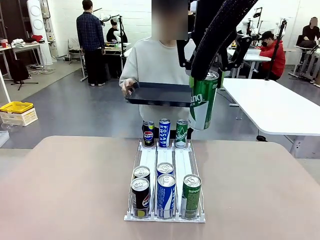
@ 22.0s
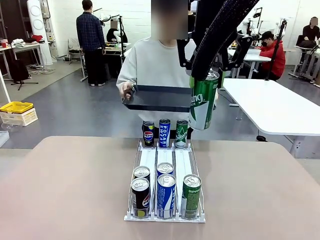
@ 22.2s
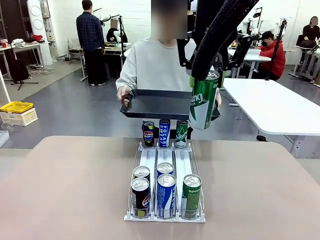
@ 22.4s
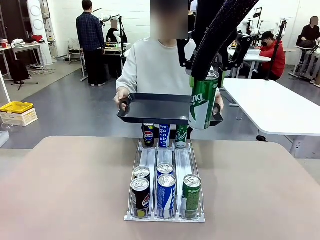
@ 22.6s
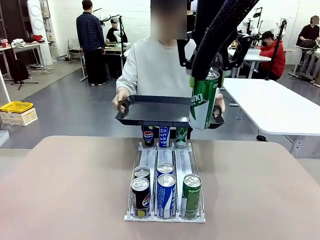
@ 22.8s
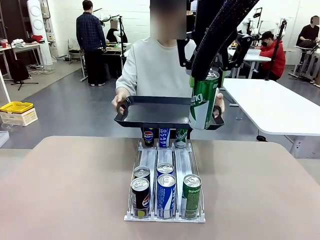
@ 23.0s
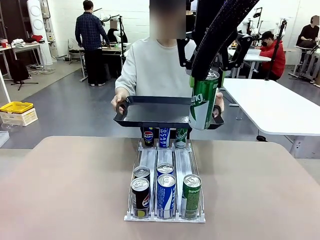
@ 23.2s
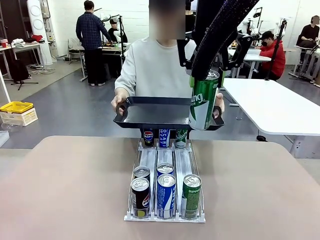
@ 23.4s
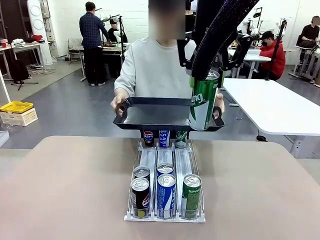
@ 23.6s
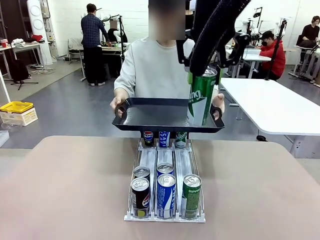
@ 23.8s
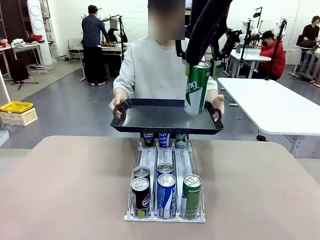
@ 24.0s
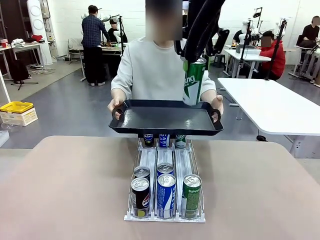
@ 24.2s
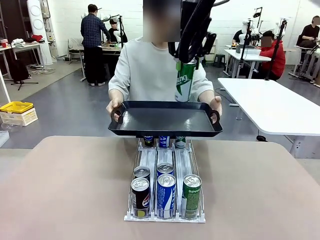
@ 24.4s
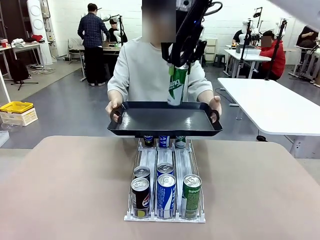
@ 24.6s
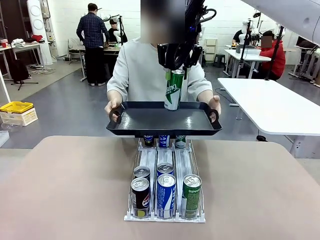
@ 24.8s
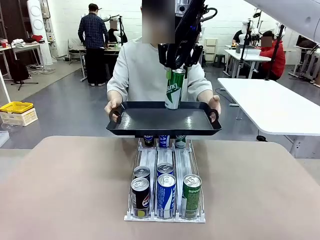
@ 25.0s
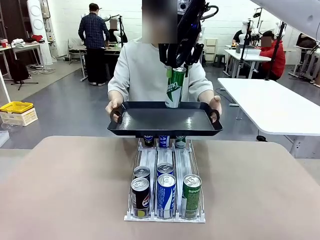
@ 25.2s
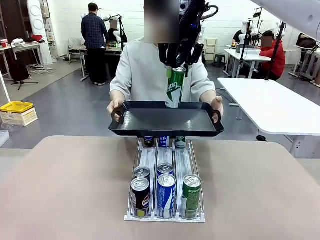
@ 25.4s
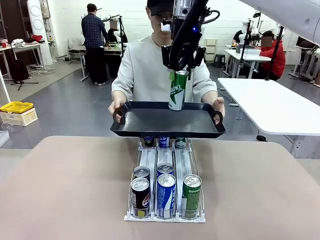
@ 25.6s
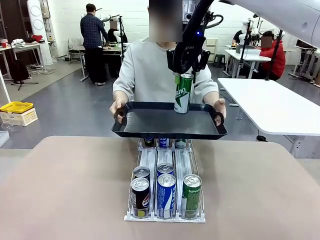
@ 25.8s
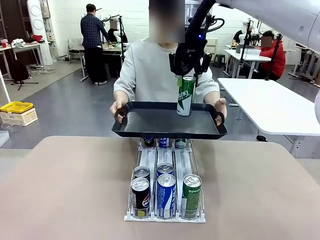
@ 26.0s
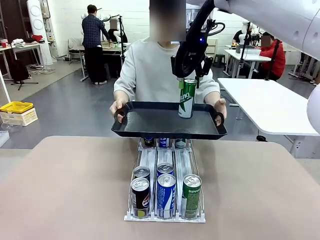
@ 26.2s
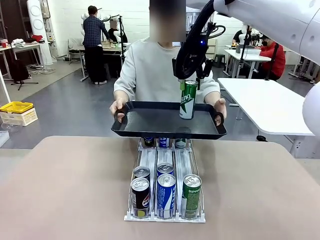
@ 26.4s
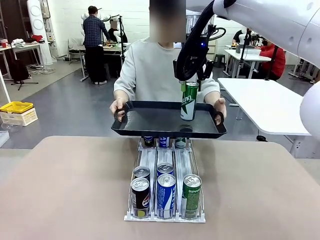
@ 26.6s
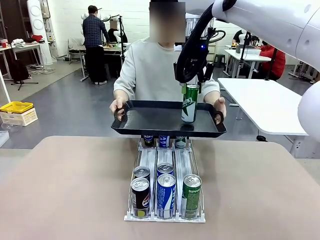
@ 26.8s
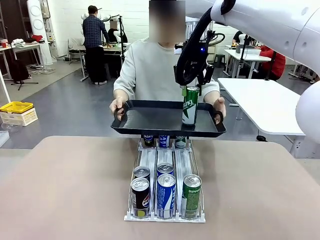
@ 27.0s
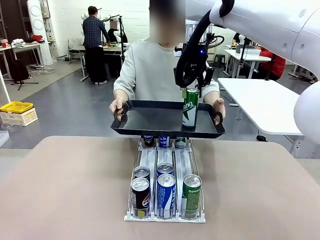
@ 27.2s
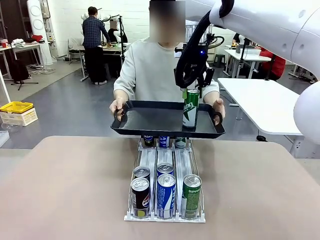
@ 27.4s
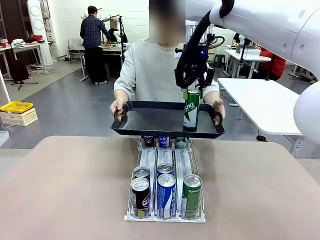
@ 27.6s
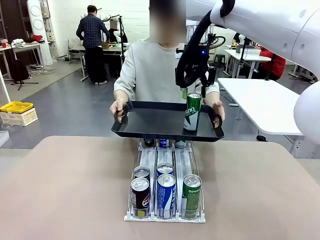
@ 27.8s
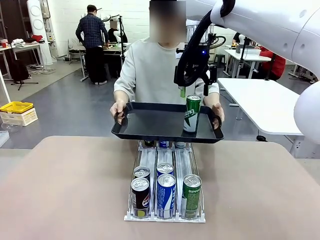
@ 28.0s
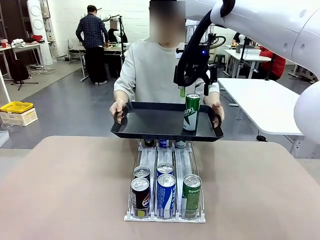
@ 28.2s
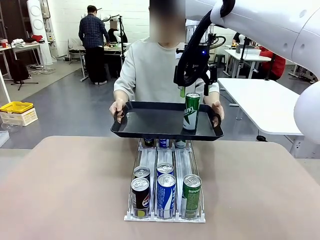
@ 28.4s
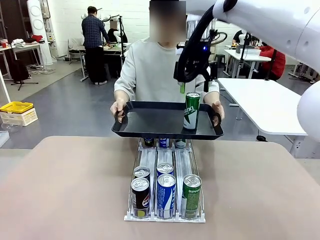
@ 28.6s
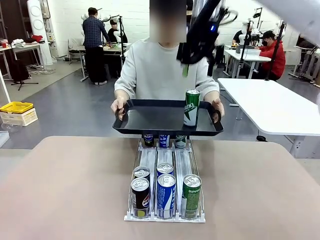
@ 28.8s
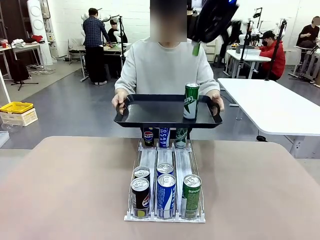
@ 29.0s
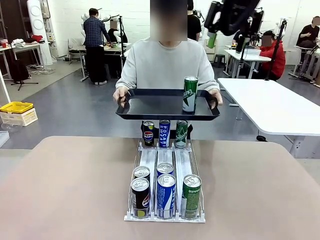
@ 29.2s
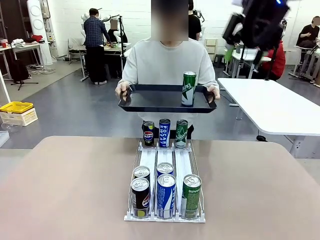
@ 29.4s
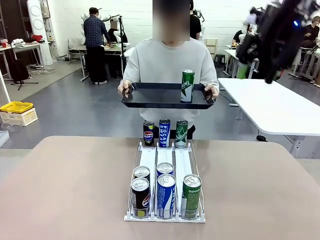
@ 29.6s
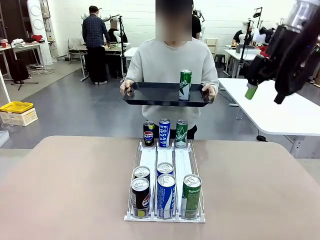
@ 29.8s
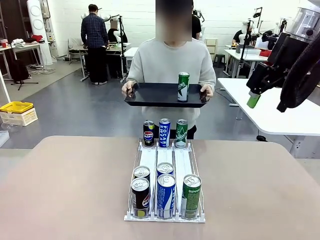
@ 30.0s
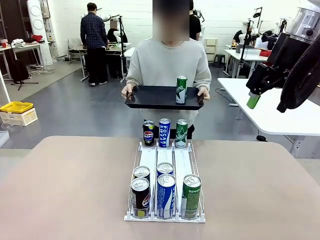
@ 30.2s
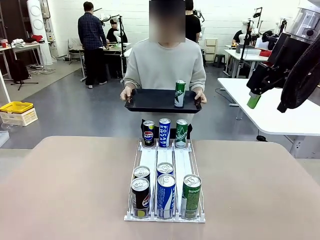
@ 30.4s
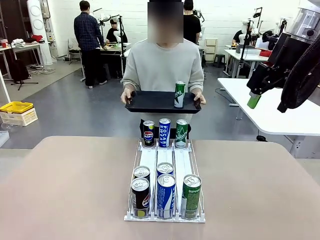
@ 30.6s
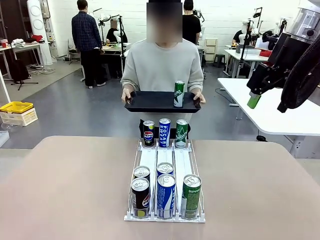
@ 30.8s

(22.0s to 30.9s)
Task: Retrieve and hand over the desired beverage to the person.
Robot: Place the picked can on the Handle tray extended by the person.

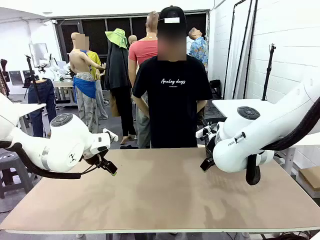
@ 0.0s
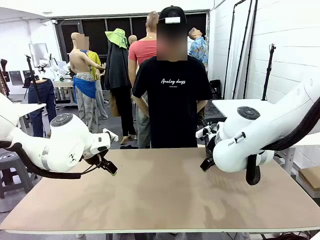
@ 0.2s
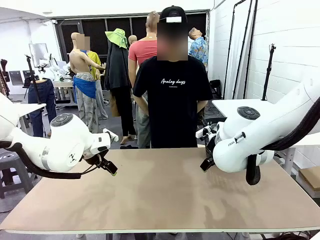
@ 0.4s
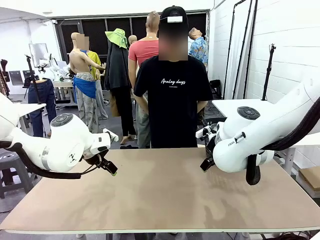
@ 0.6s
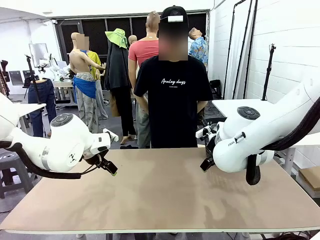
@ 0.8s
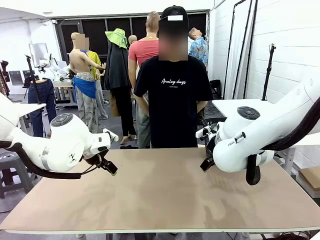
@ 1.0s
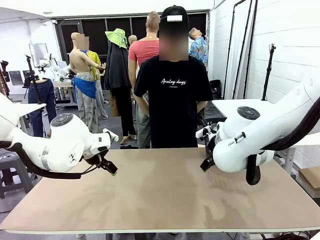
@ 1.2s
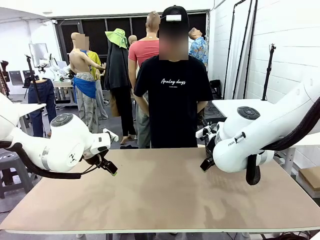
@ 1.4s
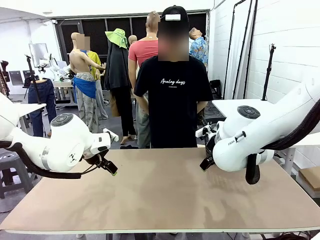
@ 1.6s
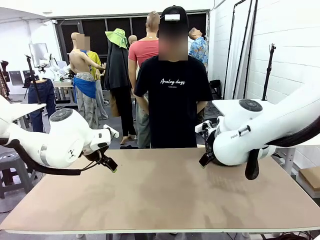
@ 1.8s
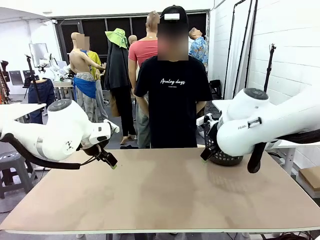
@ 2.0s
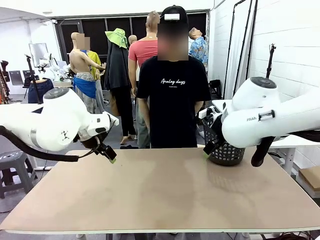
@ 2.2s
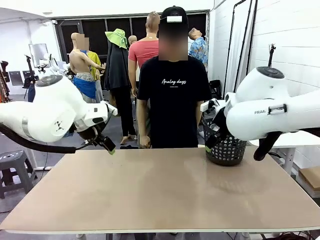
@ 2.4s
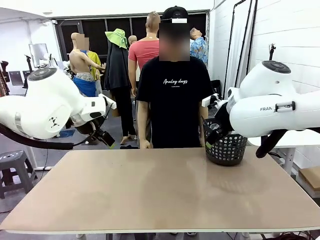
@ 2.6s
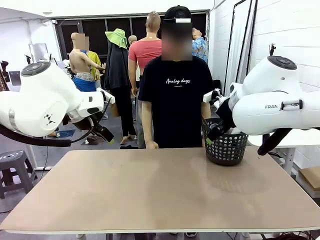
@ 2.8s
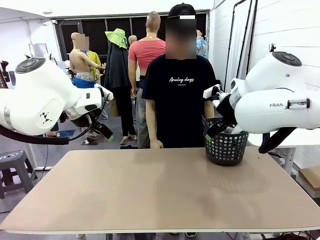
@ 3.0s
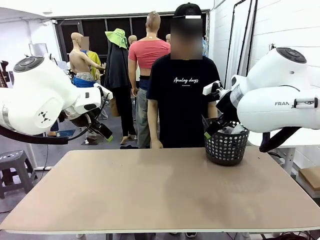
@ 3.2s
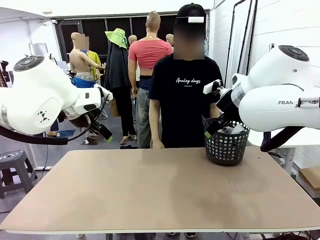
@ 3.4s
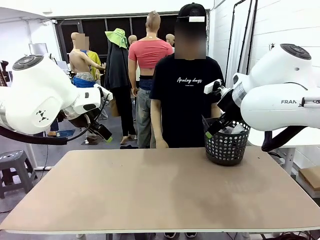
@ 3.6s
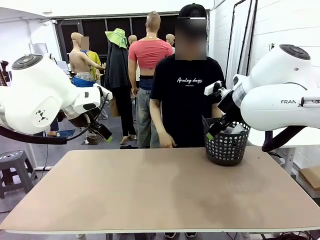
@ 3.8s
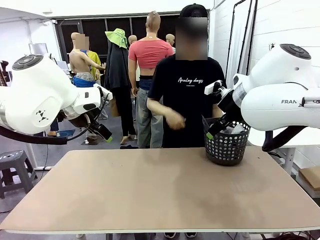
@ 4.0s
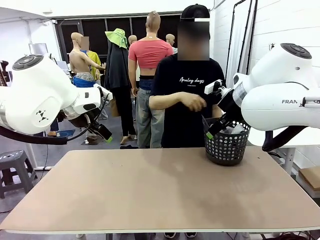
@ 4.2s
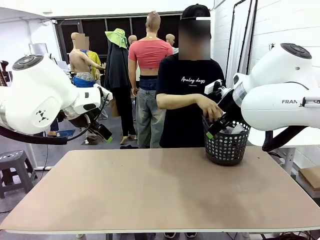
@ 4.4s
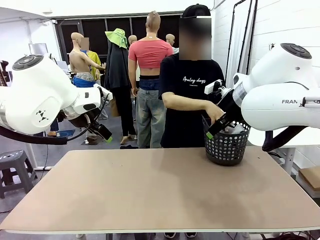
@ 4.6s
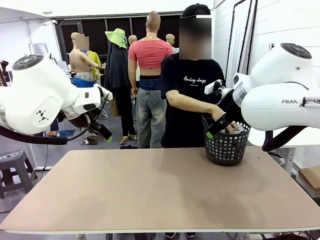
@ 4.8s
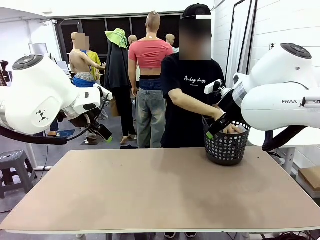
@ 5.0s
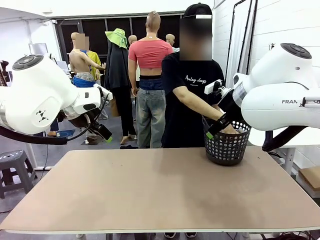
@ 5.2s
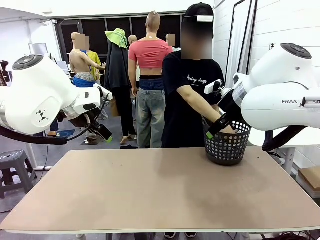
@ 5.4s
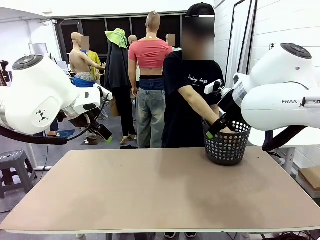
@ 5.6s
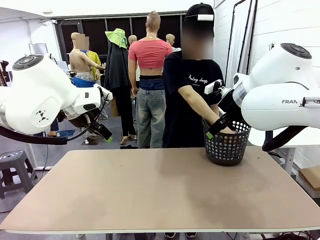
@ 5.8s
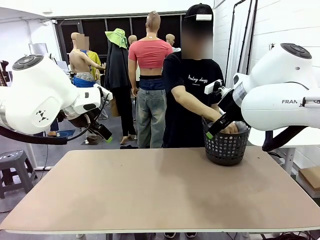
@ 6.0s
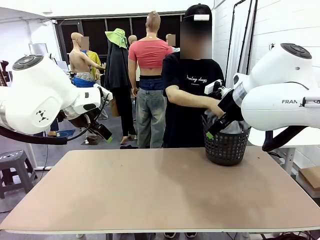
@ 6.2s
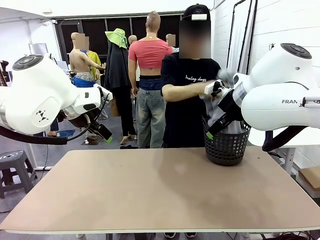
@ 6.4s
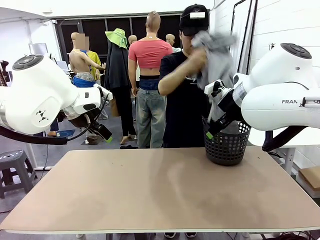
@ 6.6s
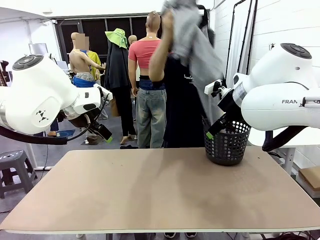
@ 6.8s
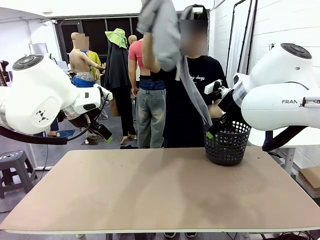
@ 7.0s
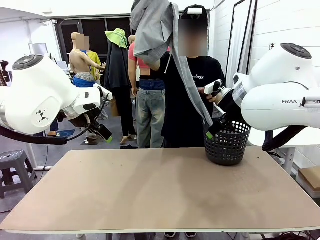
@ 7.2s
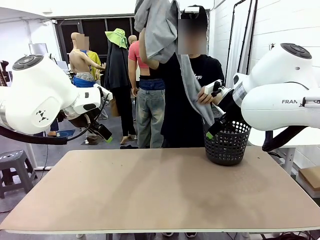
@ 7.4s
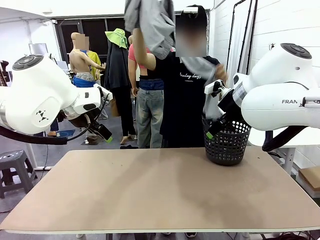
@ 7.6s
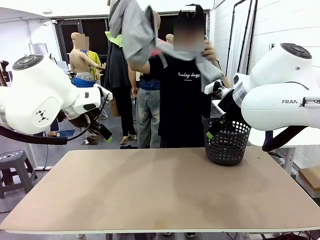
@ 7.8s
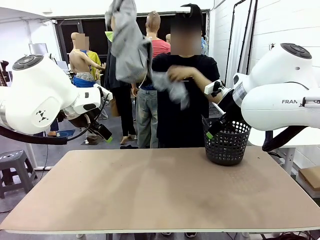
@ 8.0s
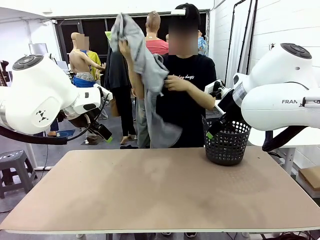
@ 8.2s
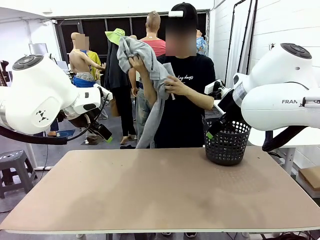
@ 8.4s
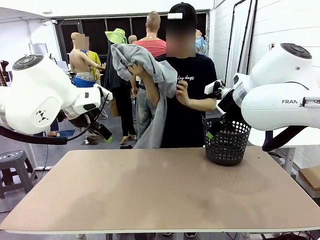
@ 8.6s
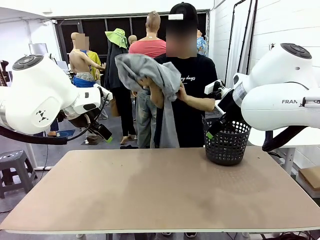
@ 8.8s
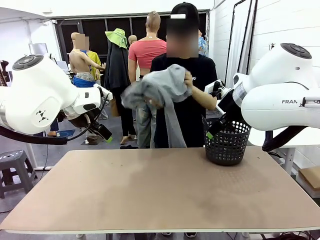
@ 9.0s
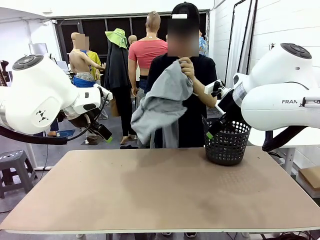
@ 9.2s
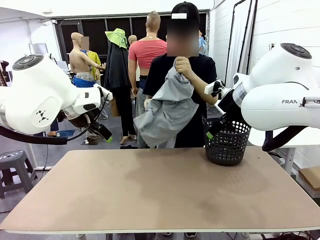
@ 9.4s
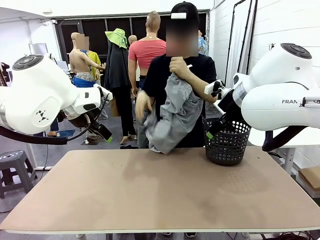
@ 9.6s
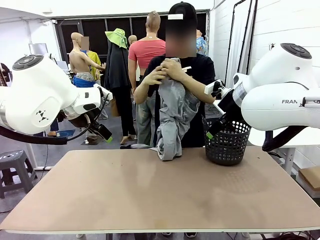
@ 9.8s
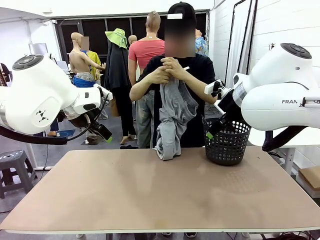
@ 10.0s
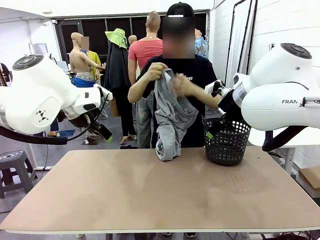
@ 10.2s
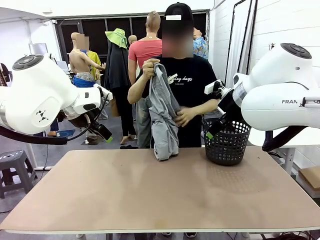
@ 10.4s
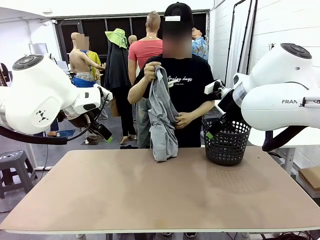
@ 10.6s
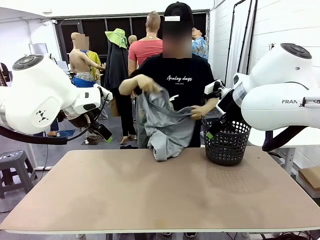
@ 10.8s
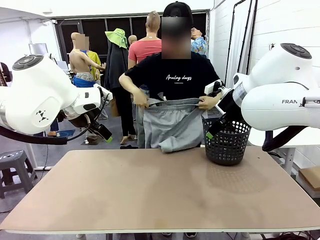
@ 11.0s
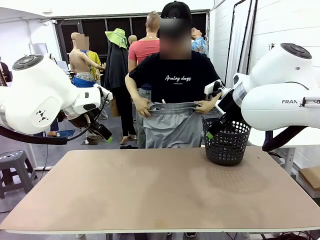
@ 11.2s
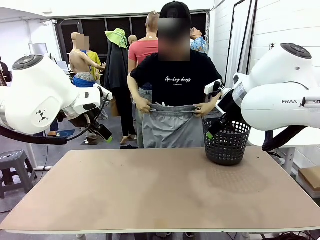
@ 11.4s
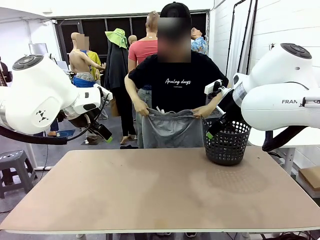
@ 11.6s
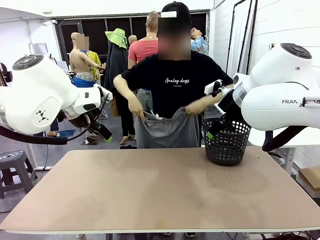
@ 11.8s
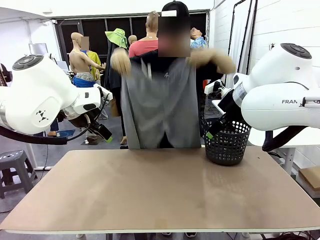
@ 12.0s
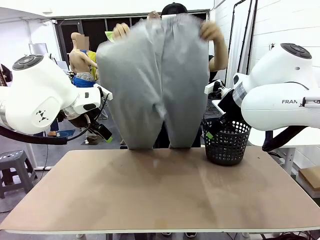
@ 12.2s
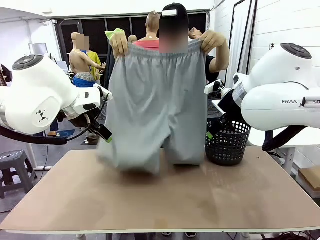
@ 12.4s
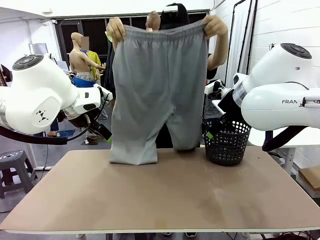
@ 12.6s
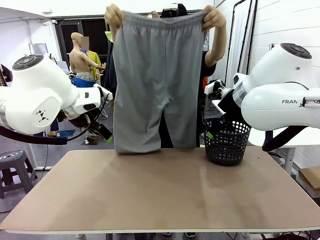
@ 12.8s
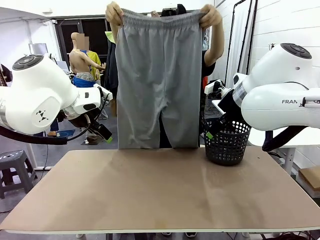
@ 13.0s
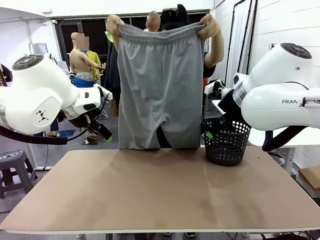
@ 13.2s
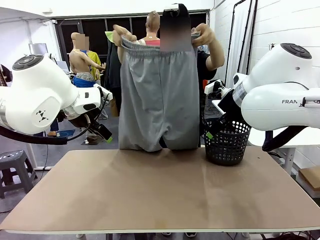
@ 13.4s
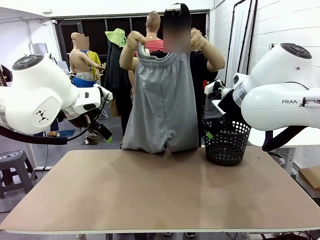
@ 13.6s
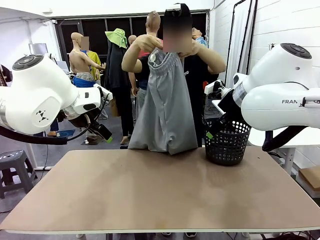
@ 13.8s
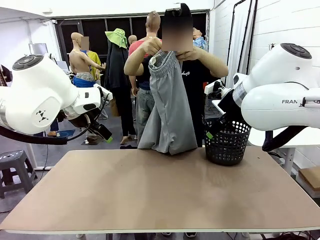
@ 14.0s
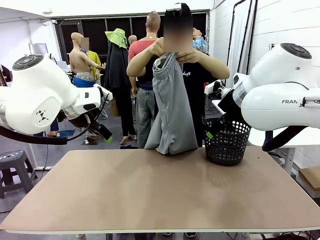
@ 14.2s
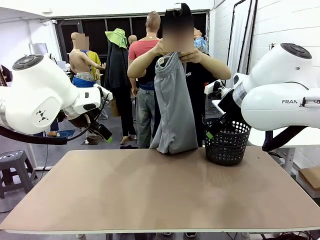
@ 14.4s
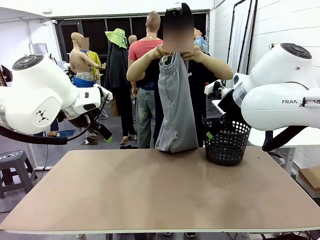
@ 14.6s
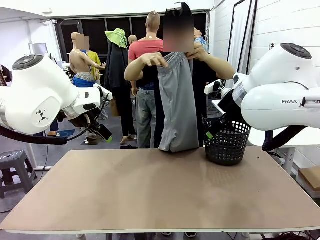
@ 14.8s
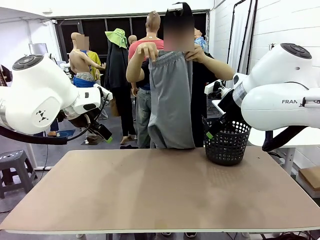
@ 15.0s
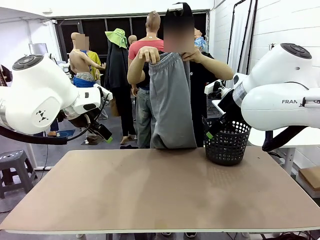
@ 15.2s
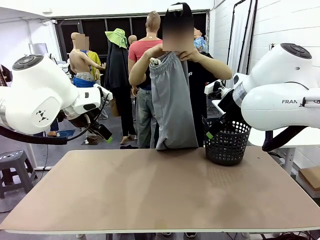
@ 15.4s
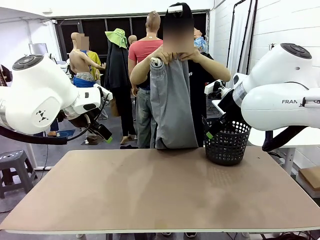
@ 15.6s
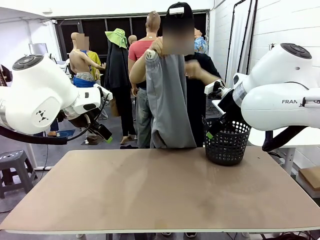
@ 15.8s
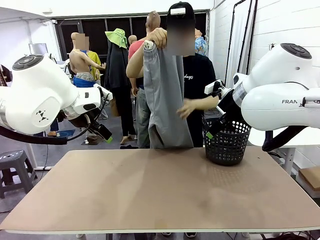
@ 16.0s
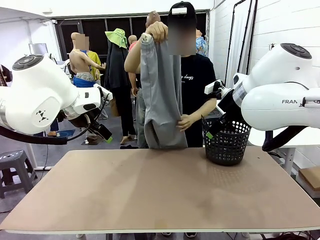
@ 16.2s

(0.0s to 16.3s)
Task: Fold the training pants.
Robot: Grab both ends of the Training pants handed by a person.
Person: Take the long pants out of the laundry basket, unfold them, fold the waist in half, and extend them so the robot can pick up both corners.
